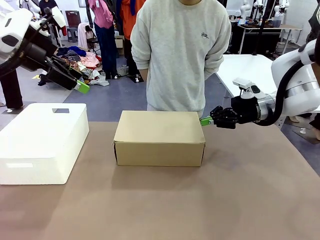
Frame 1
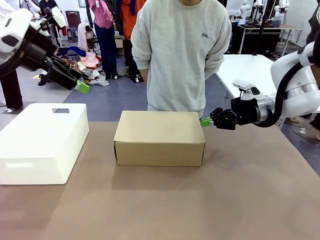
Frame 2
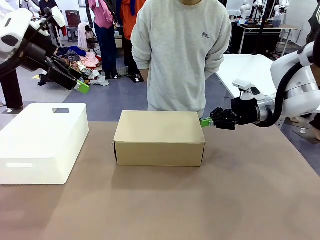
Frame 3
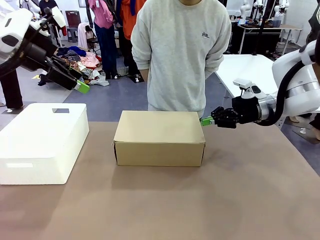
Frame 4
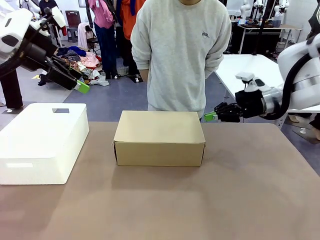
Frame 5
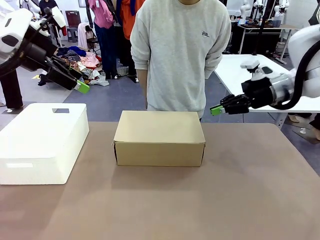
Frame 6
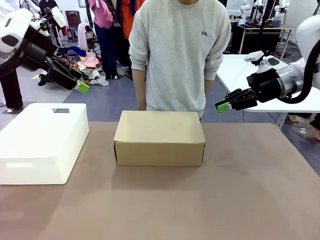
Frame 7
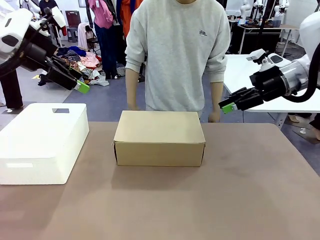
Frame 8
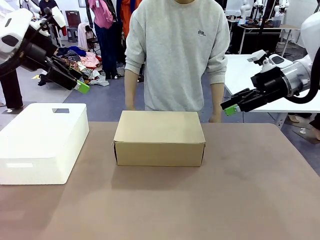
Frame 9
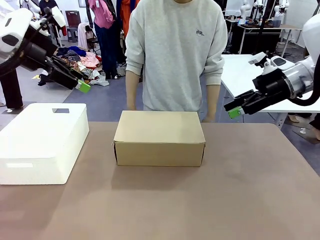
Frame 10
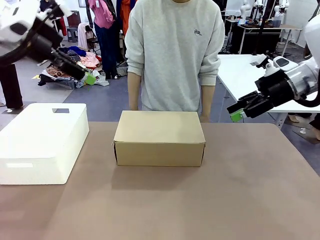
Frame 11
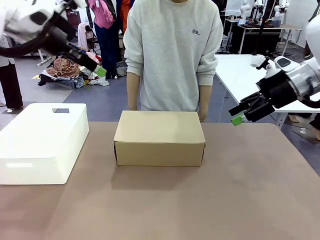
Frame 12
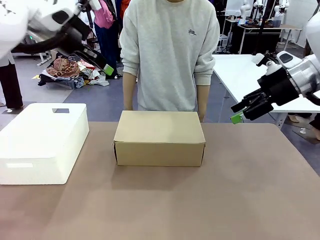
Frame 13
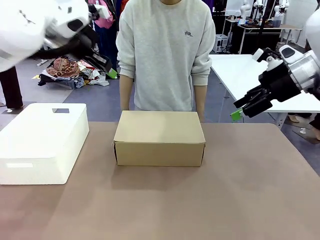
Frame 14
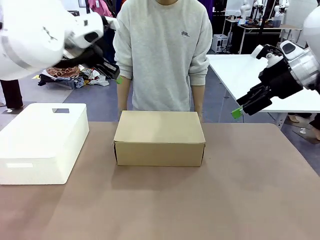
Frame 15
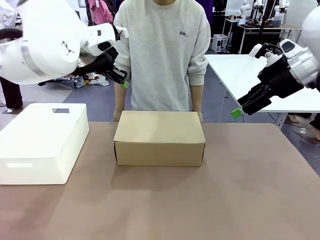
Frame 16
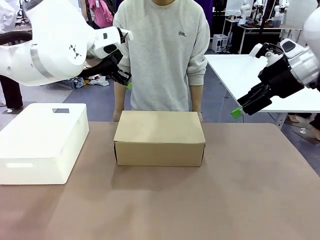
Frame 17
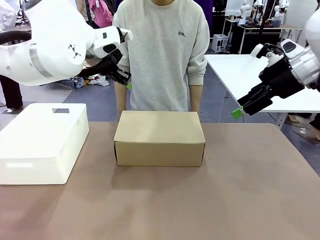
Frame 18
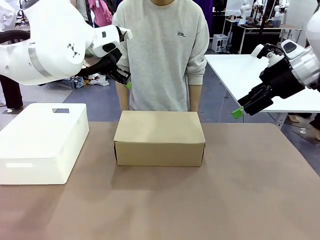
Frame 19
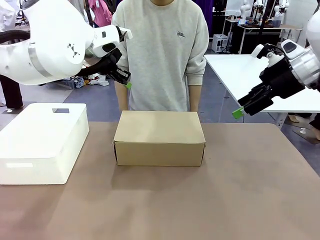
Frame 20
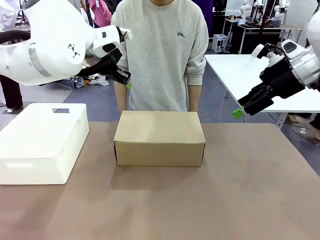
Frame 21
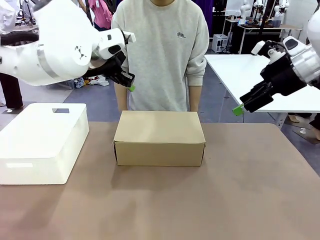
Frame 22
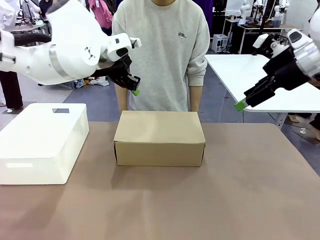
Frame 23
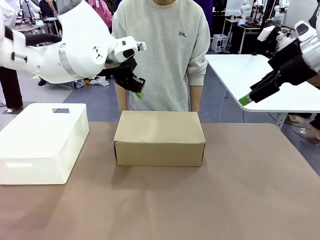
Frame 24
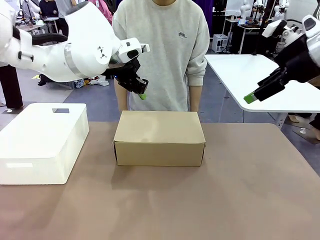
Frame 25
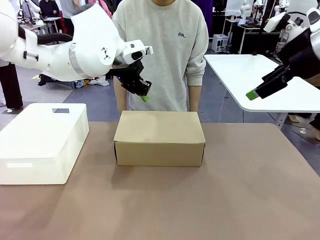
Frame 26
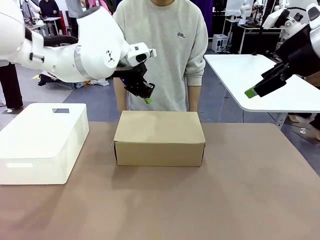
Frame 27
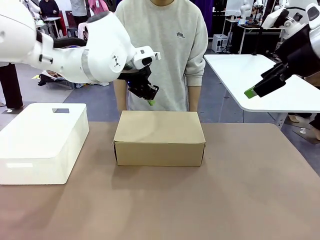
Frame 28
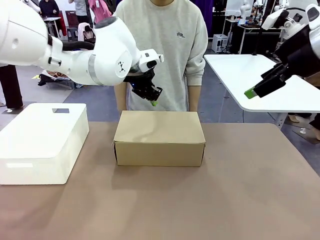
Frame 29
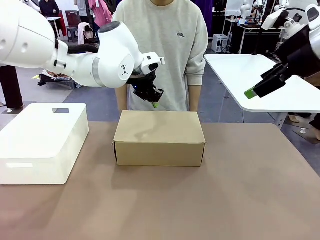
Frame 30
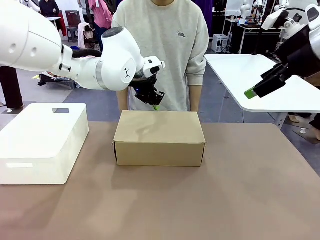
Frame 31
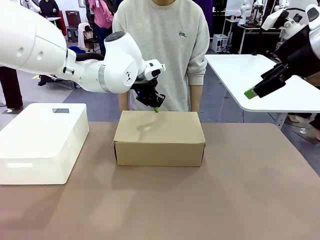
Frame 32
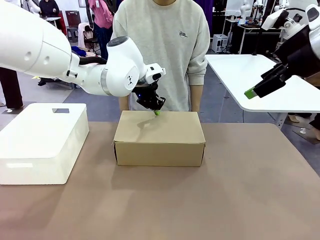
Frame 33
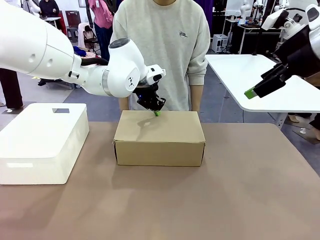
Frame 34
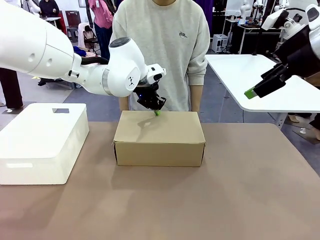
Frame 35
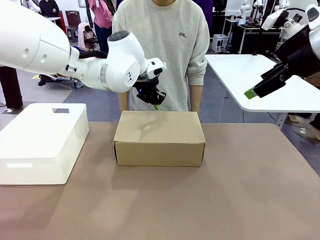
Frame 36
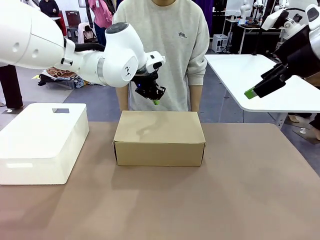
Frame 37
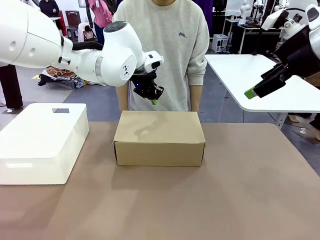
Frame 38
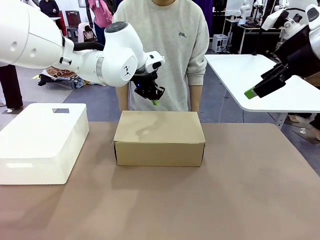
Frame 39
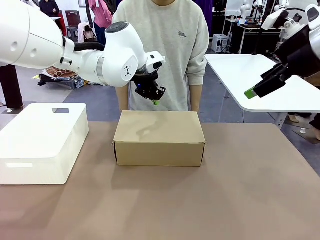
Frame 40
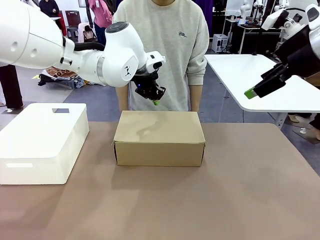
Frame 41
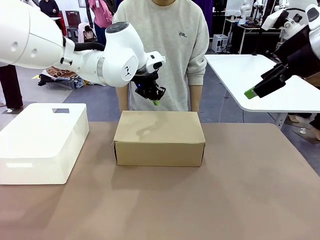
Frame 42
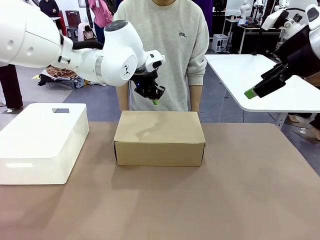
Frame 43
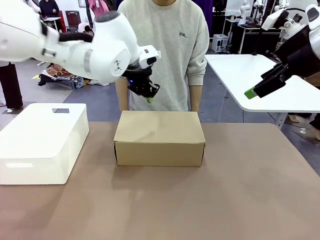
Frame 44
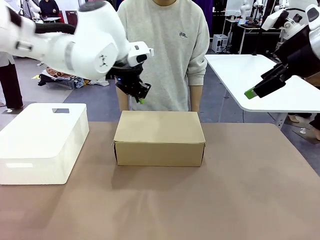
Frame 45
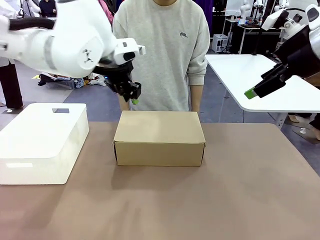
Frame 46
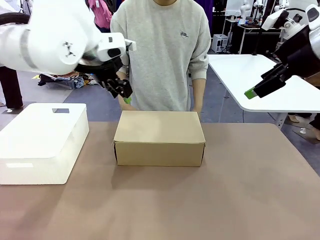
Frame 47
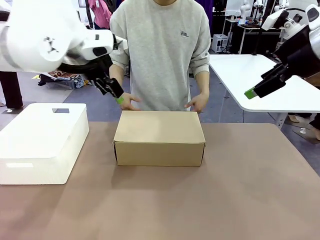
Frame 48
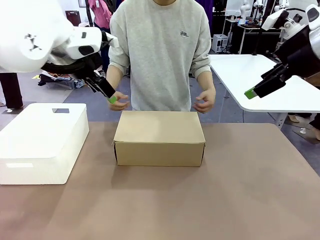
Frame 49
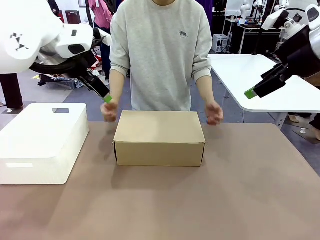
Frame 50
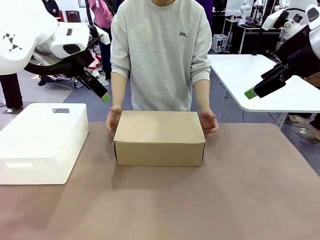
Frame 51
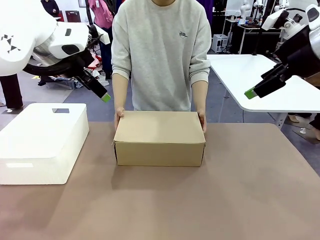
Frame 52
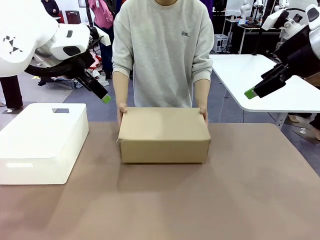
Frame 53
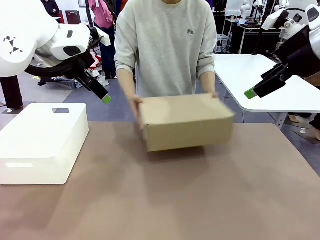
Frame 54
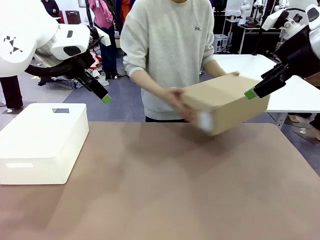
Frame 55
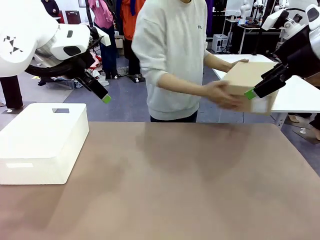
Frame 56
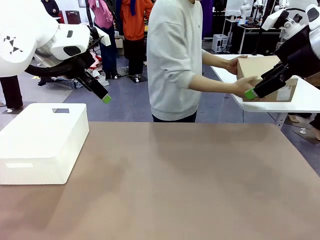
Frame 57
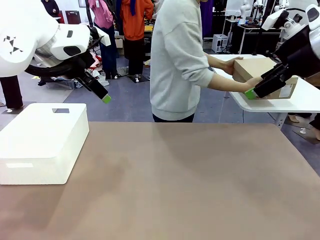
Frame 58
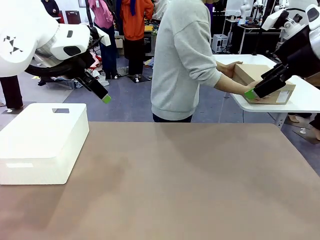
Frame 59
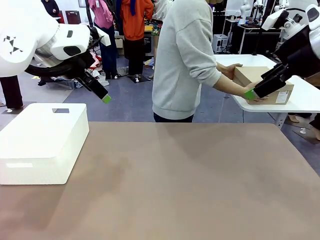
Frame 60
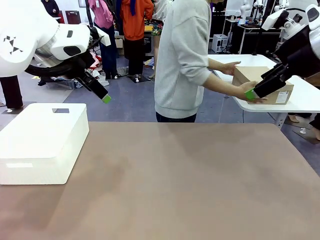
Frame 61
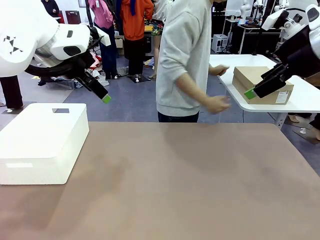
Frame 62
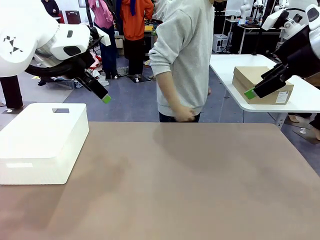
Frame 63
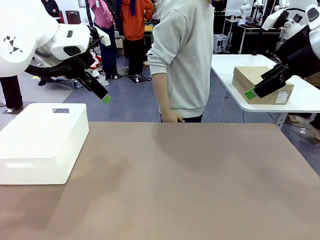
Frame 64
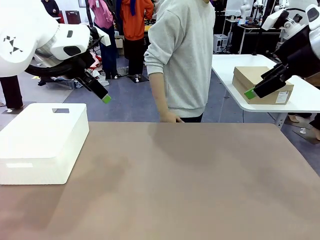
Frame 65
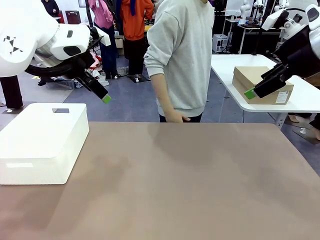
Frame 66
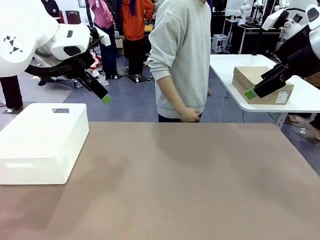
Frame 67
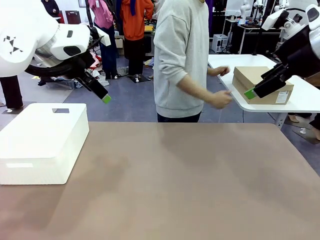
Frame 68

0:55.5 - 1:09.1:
Task: Pack the shoes into the box.
Robot: Press down on the lid of the Shoes Box.
Person: Place the closed Shoes Box to the right side of the human table.
